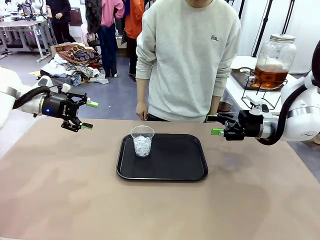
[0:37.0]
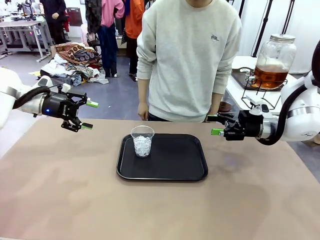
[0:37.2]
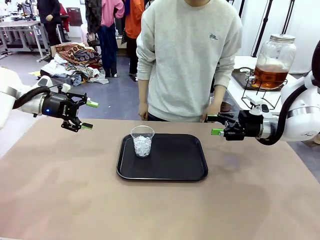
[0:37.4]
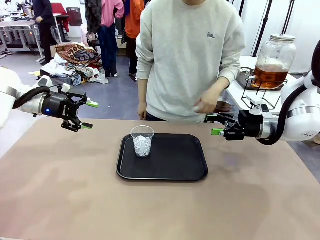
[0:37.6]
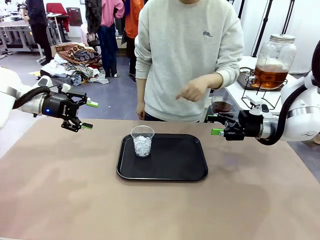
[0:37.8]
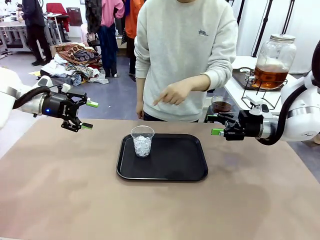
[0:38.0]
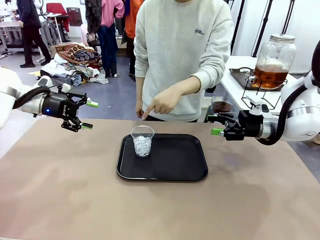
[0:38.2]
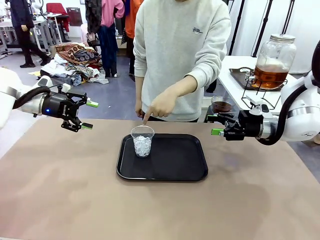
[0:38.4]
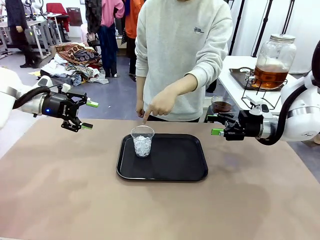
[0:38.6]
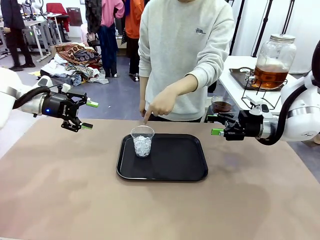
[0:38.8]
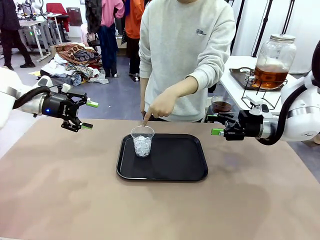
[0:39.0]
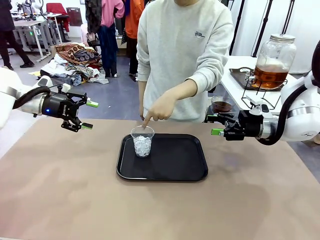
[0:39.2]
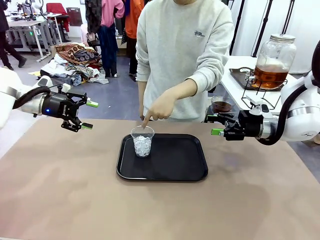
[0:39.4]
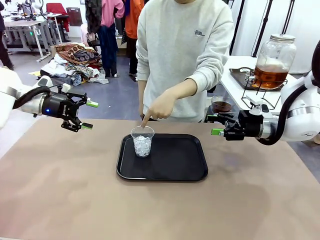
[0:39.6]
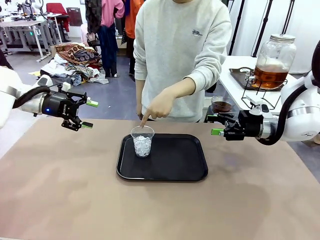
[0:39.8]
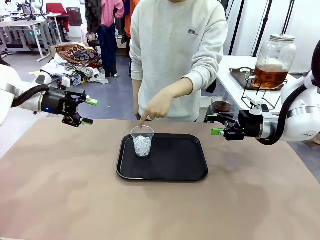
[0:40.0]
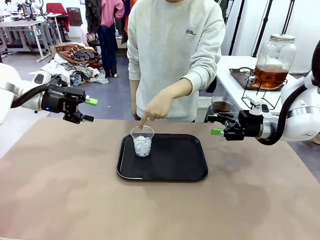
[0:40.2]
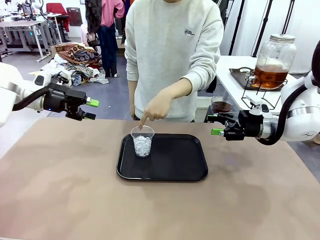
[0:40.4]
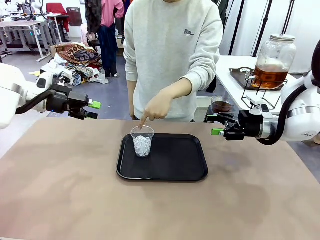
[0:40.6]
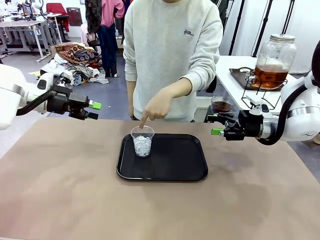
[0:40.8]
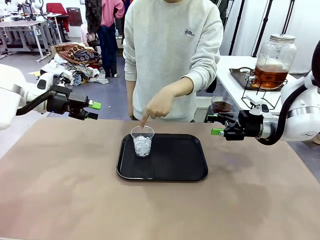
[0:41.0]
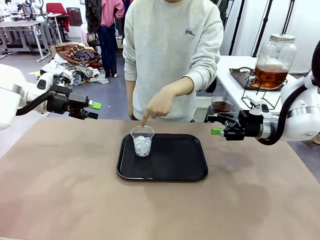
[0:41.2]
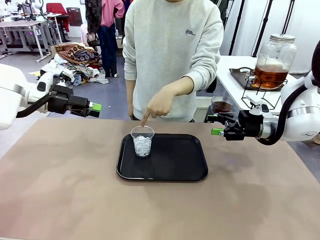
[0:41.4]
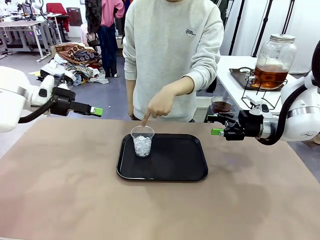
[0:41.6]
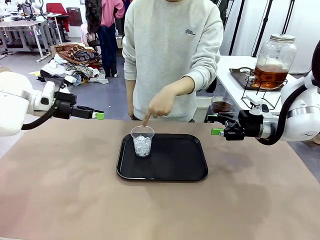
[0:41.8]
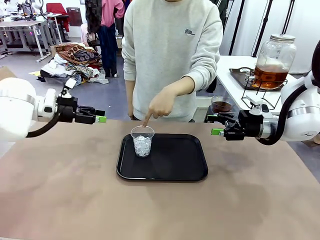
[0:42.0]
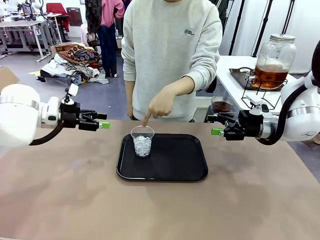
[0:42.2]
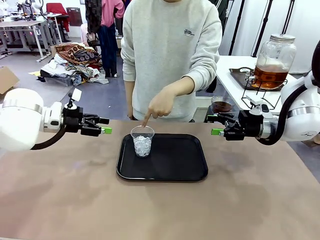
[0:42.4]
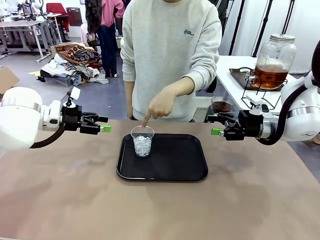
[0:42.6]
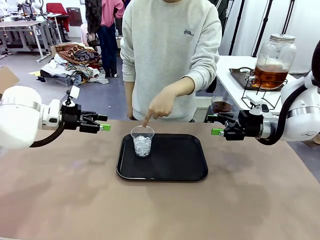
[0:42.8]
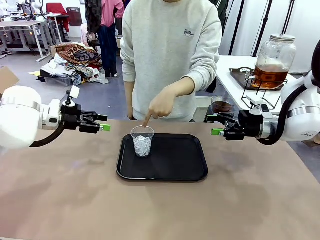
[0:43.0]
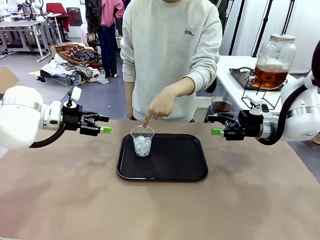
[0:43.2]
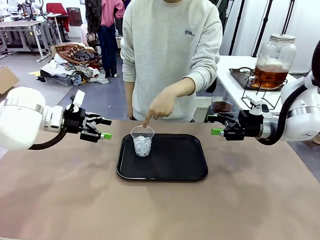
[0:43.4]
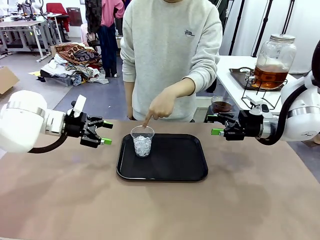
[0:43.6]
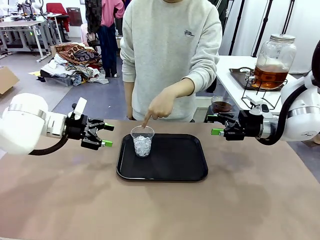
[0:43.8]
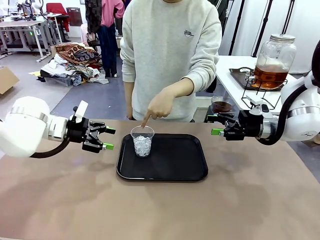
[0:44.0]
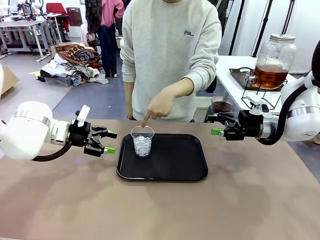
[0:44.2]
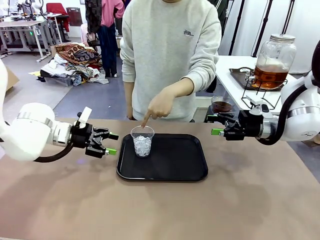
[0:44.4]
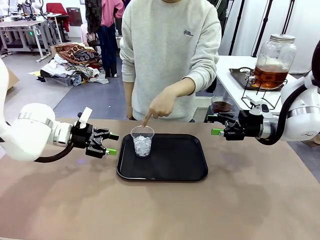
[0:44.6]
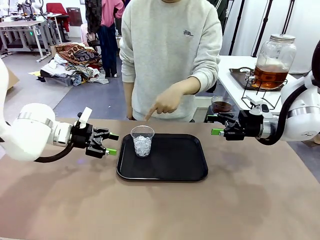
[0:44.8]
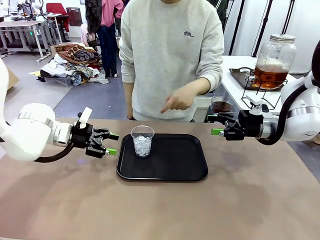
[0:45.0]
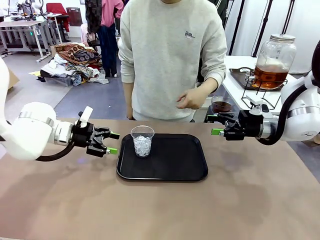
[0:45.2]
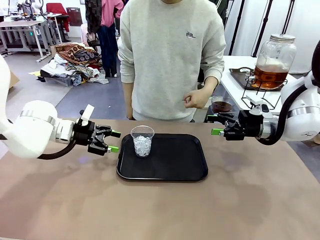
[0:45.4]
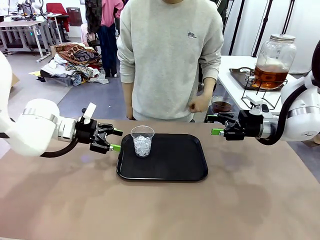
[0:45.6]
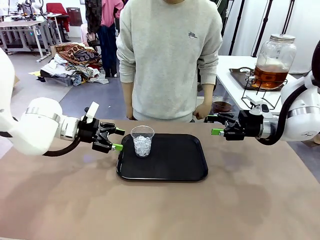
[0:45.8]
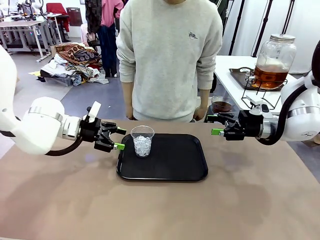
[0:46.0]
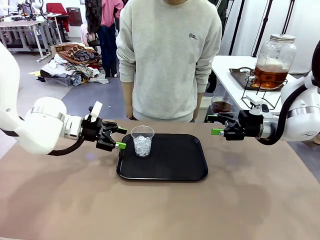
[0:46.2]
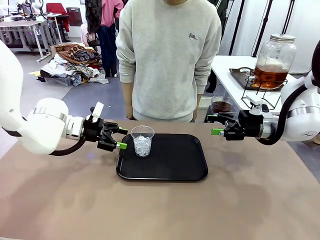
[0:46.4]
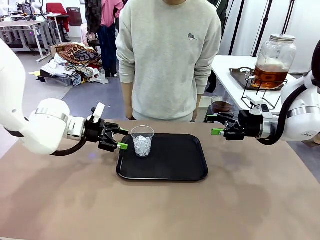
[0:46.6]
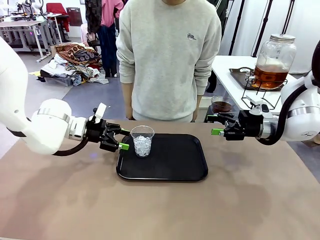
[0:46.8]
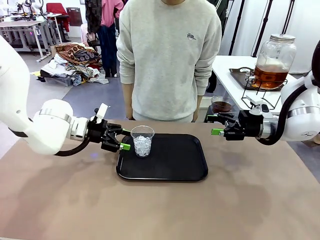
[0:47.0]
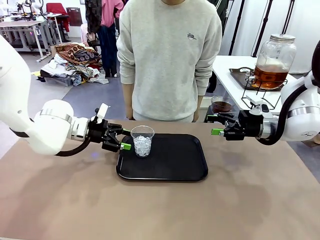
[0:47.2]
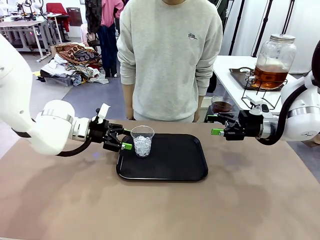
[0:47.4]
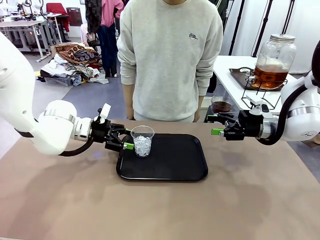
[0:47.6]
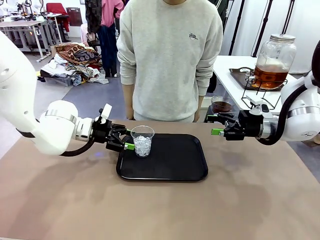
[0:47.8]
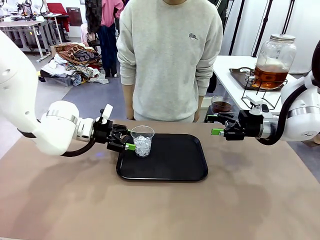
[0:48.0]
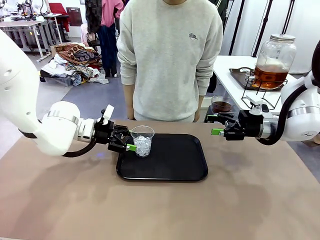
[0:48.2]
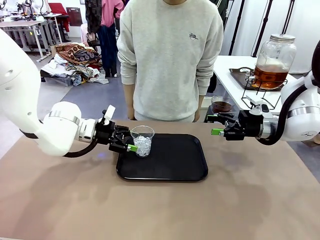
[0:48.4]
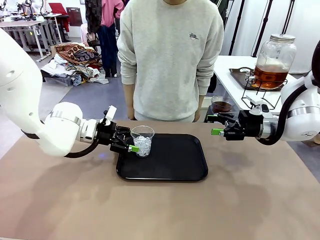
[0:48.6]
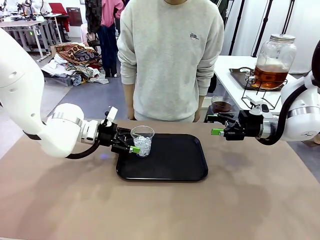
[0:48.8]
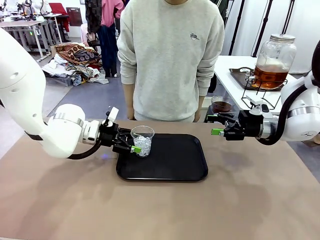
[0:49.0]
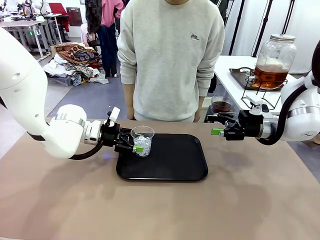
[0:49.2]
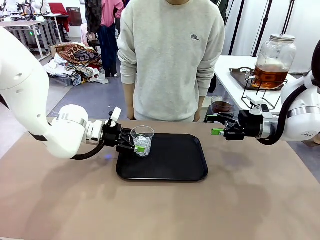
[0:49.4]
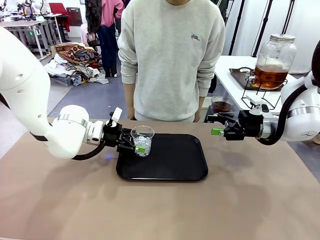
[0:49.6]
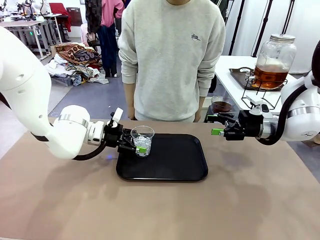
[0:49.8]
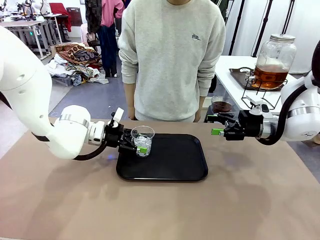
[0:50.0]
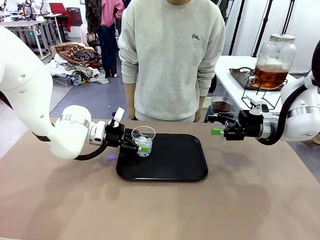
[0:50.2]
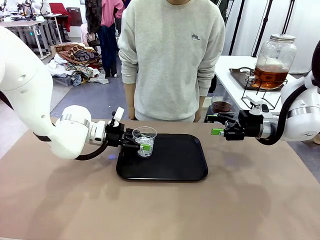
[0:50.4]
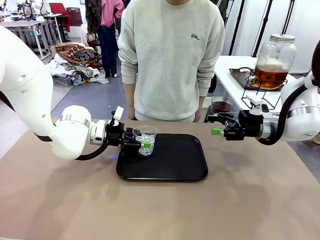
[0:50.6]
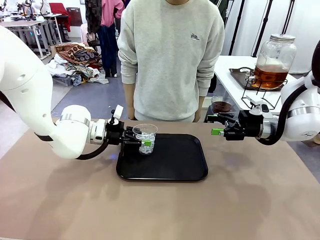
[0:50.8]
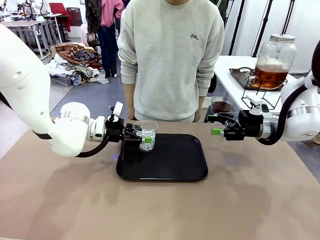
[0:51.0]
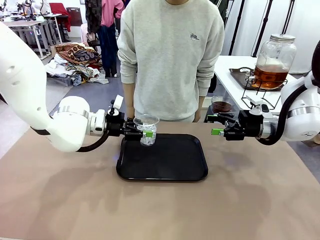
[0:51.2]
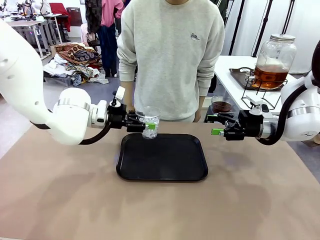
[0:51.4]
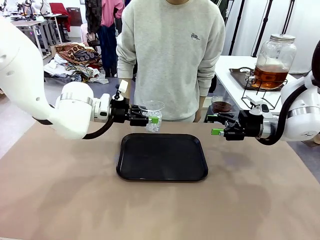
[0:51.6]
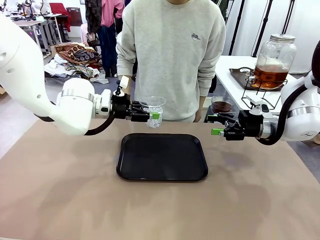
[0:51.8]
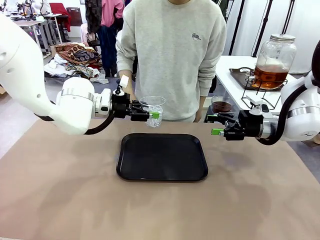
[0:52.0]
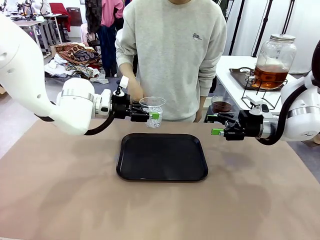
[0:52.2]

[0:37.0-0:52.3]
Task: Pour the drink into the iced cup.
Robot: Pick up the iced cup indicated by the human and present it to them.
Person: Point to the remaining ice cup on the robot table. Pick up the cup offered by the robot.
